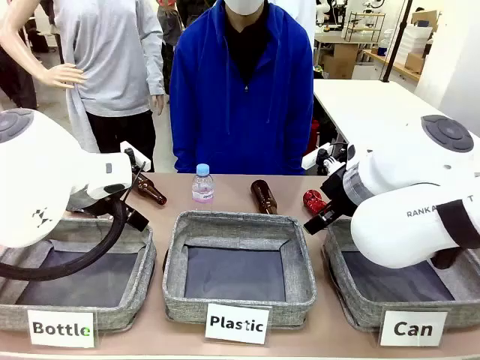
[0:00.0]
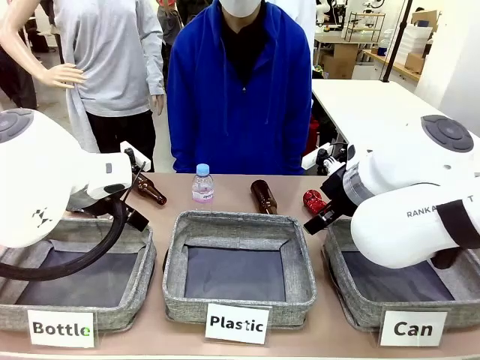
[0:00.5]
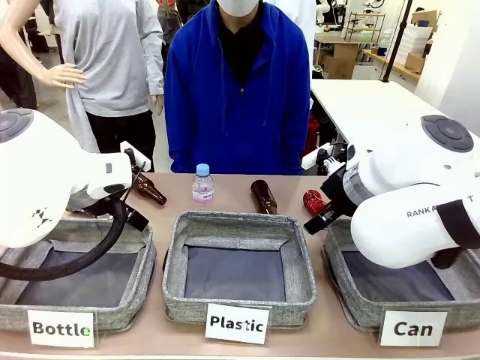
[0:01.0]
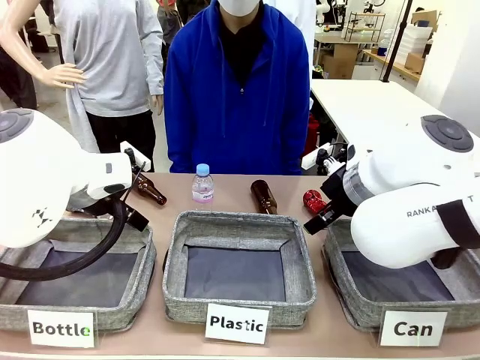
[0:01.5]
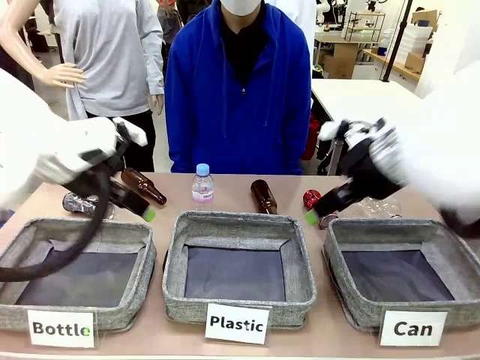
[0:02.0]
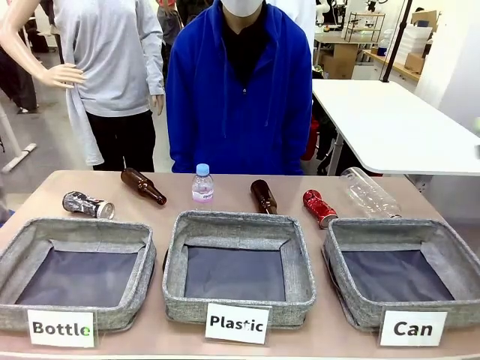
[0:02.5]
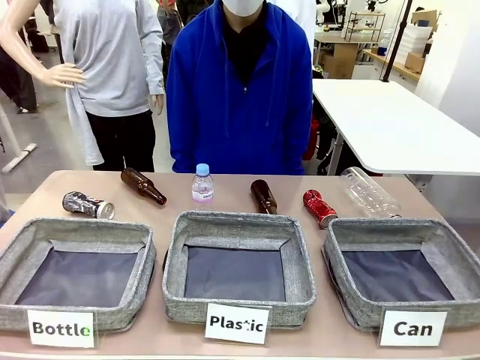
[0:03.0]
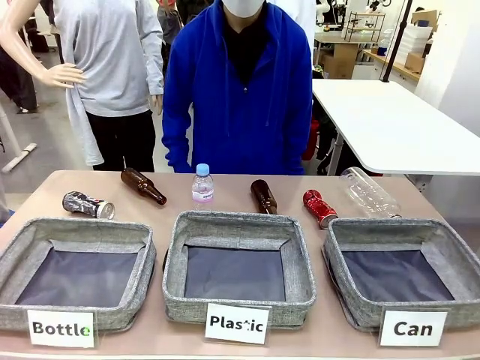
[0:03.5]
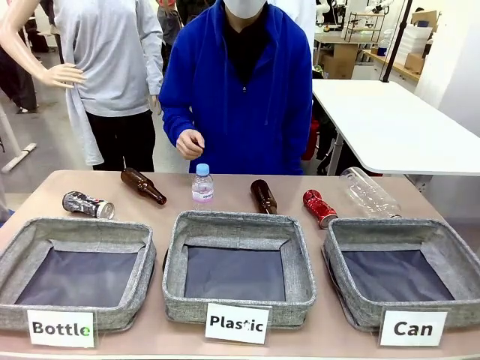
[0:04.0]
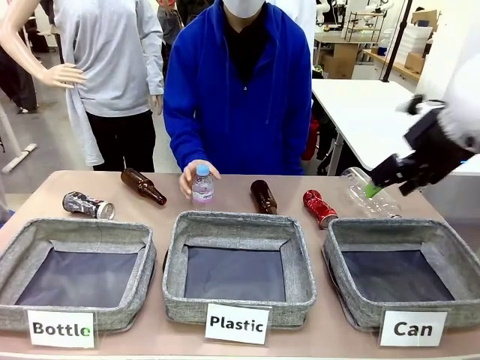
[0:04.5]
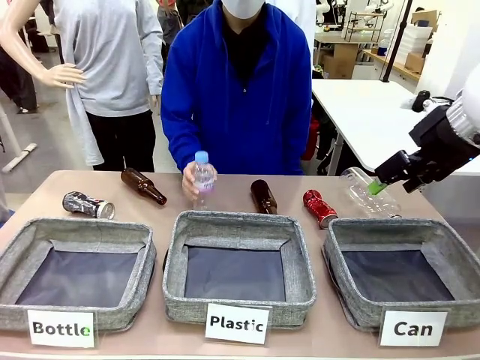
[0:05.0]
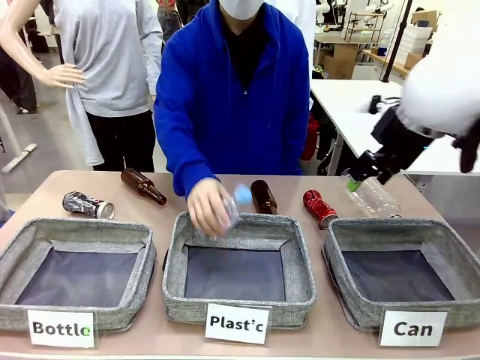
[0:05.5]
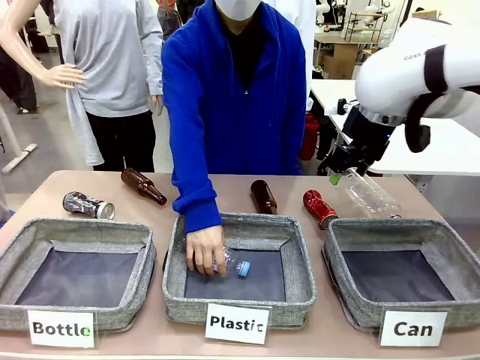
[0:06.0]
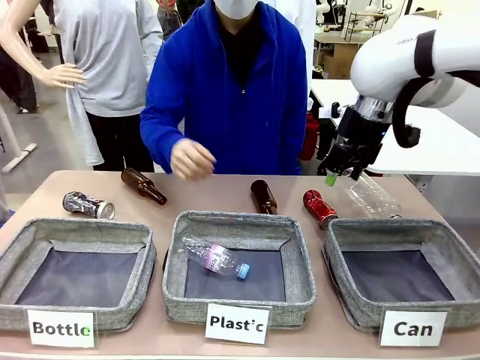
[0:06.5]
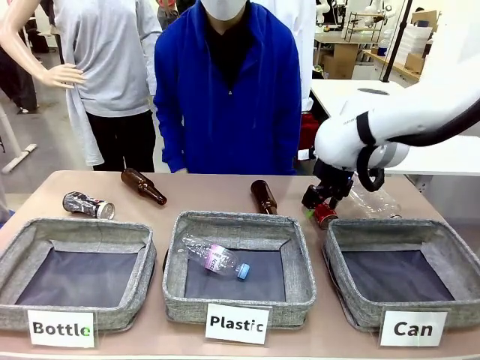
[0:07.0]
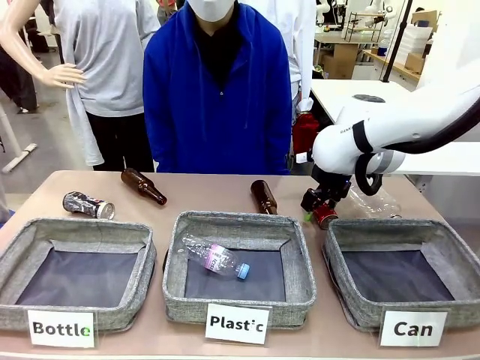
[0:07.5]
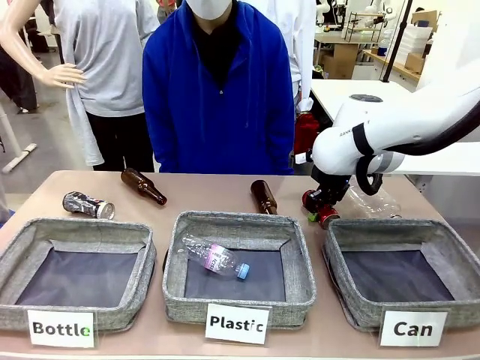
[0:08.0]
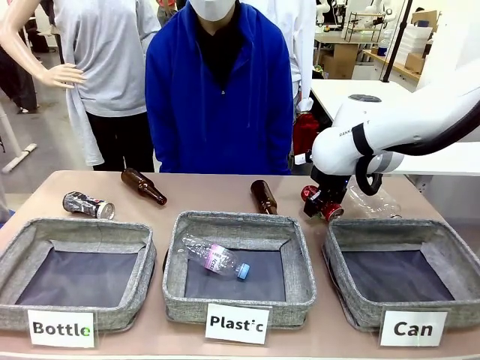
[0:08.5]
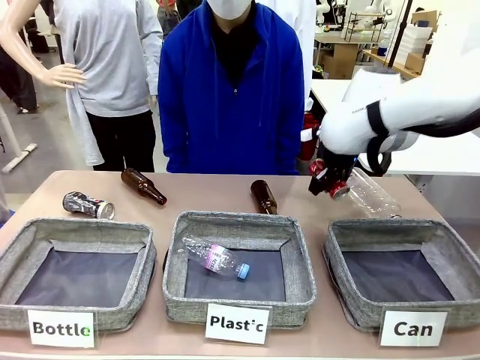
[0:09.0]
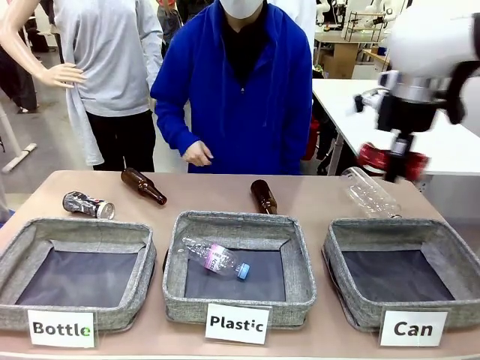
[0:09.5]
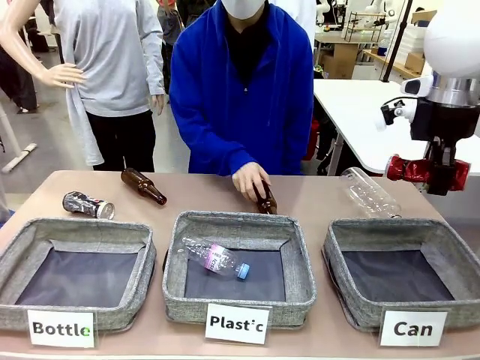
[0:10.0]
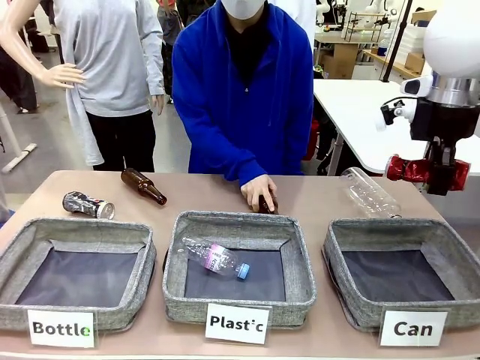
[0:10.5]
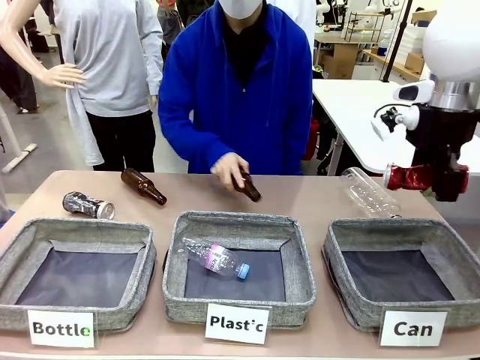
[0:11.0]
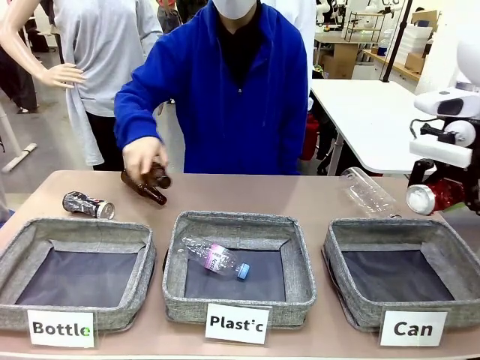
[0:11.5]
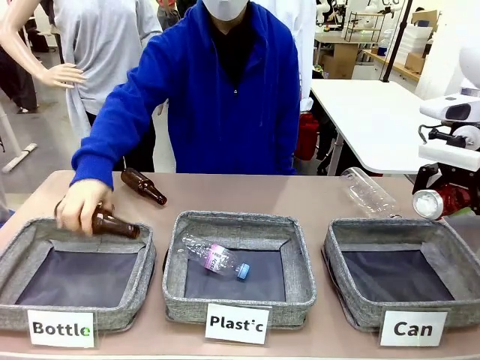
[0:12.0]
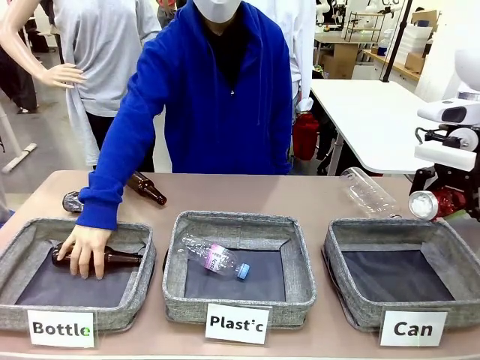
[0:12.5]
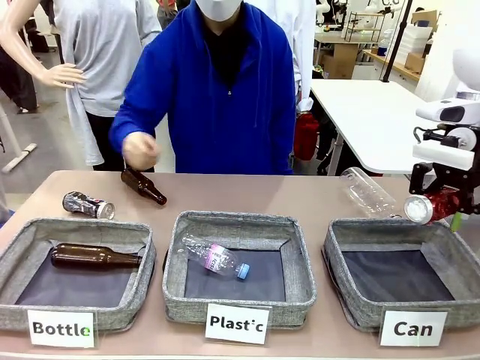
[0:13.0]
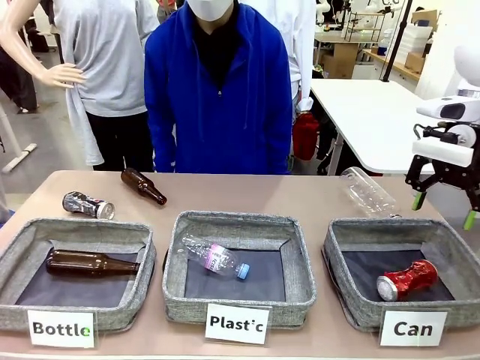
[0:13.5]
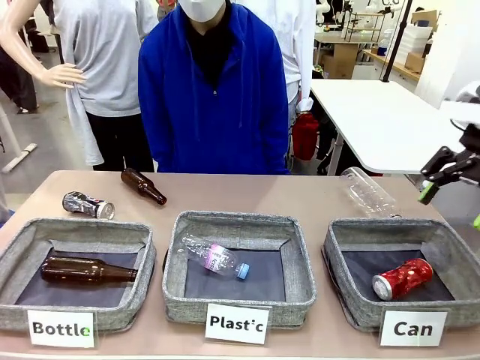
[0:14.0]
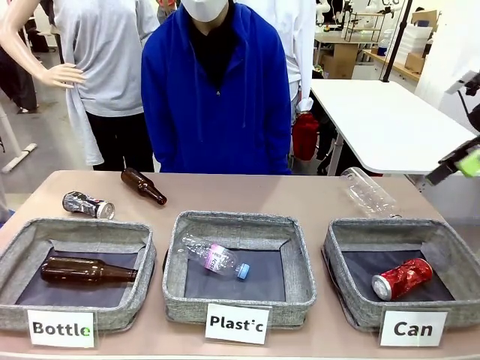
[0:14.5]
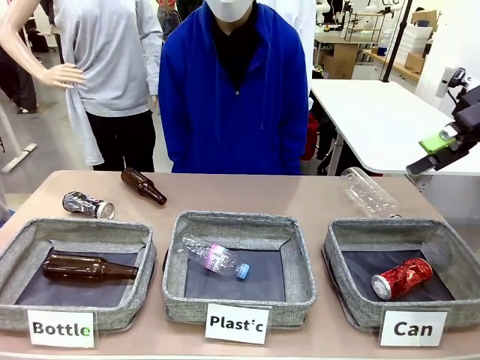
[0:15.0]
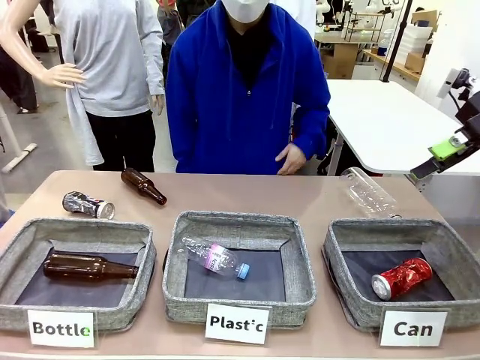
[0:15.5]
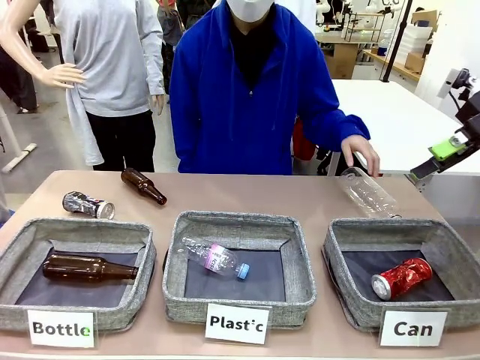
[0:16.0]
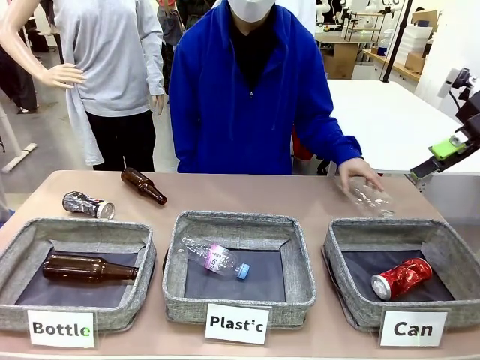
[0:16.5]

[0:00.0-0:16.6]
Task: Sort the can waste into the basket.
Robot: Pick up the can waste from the table and place it in the right Fabric basket.

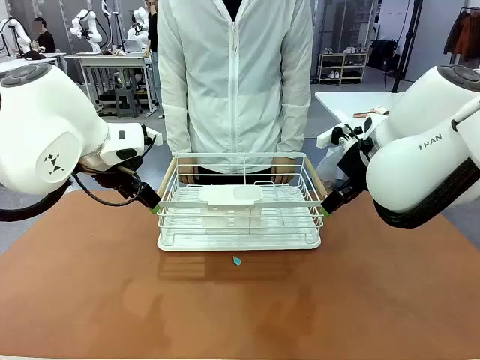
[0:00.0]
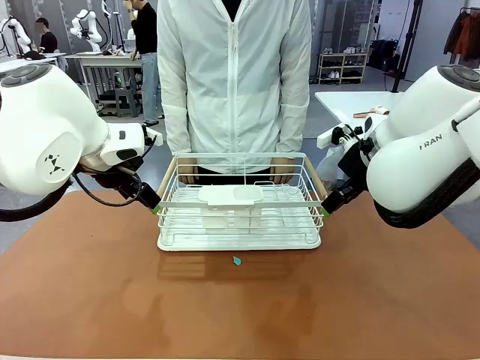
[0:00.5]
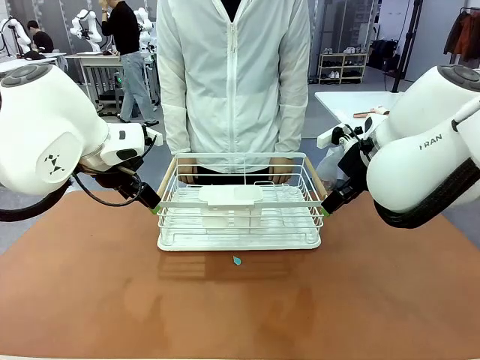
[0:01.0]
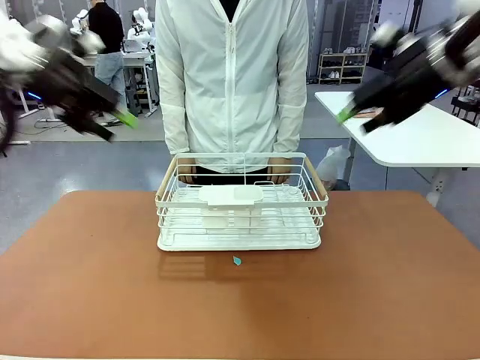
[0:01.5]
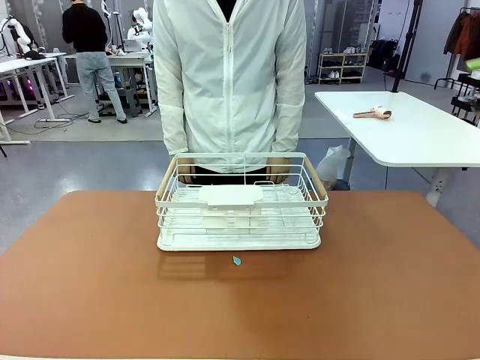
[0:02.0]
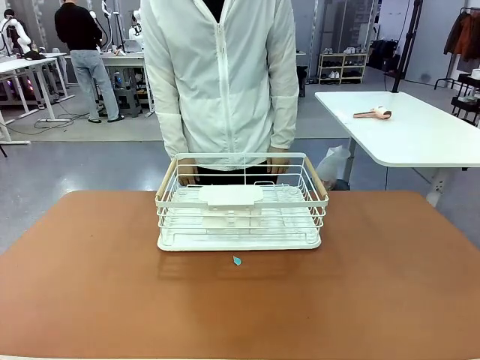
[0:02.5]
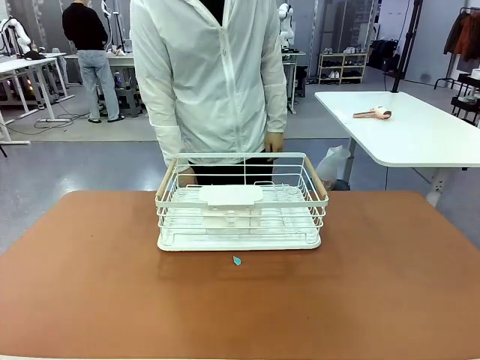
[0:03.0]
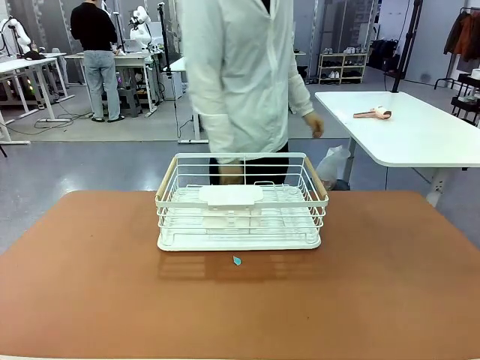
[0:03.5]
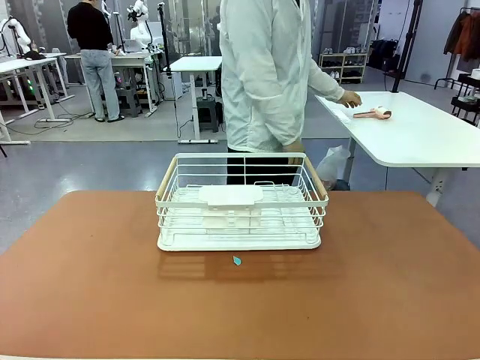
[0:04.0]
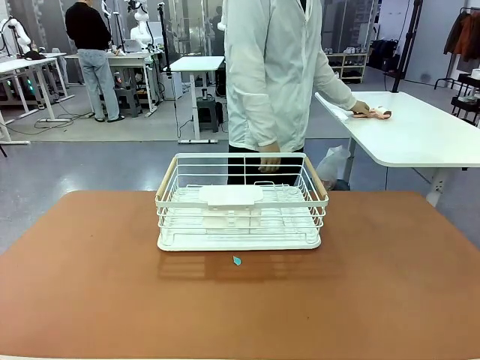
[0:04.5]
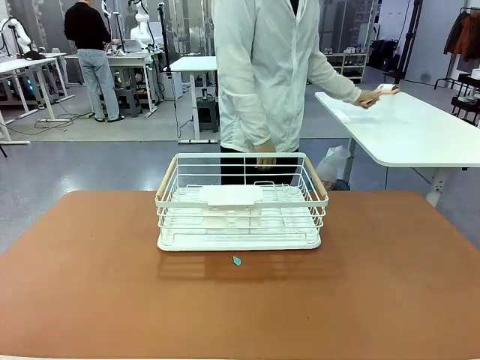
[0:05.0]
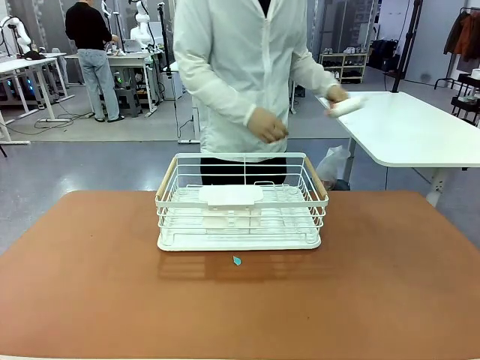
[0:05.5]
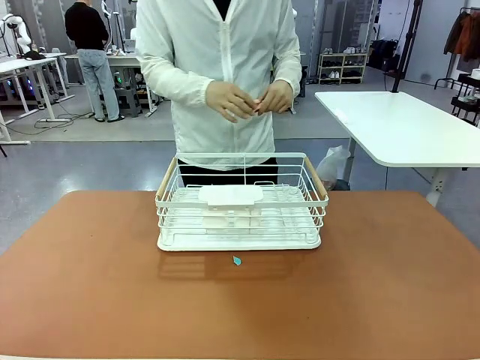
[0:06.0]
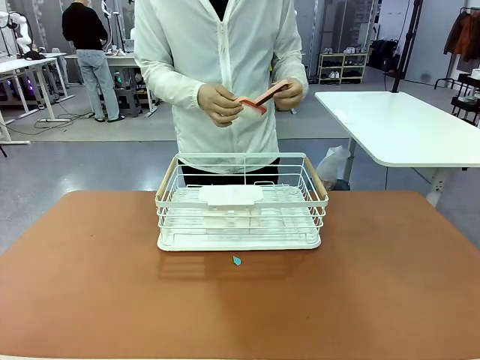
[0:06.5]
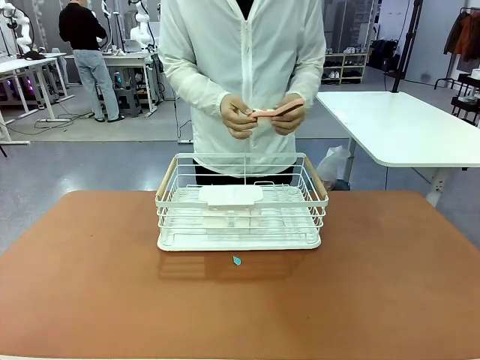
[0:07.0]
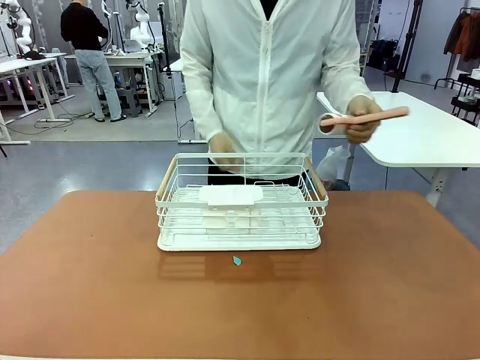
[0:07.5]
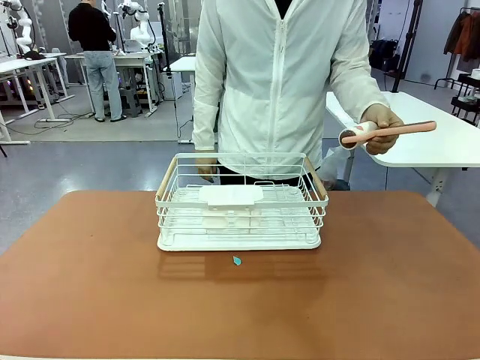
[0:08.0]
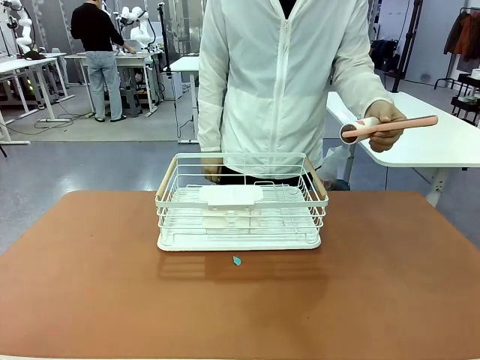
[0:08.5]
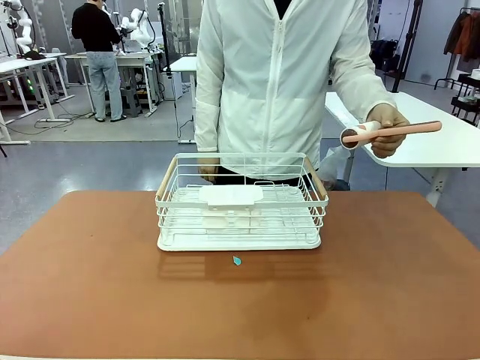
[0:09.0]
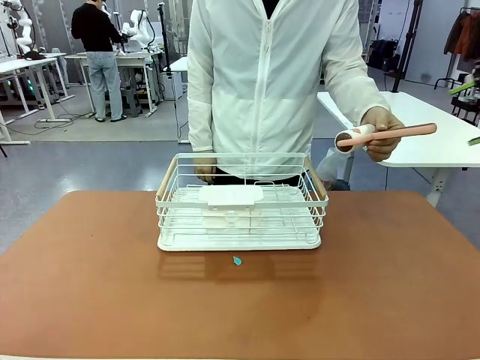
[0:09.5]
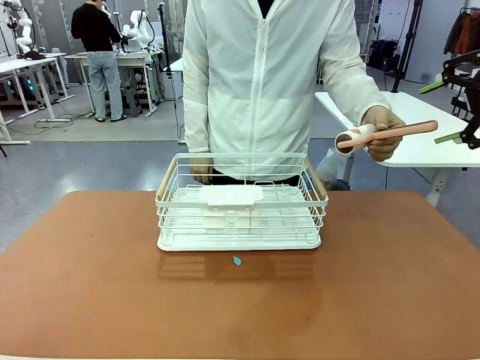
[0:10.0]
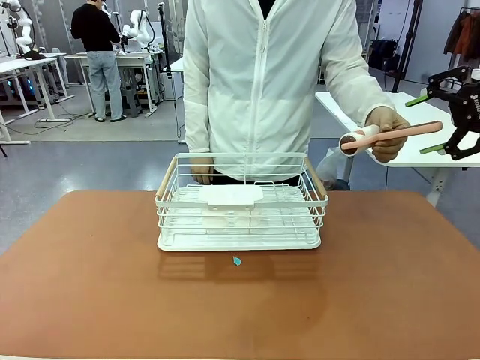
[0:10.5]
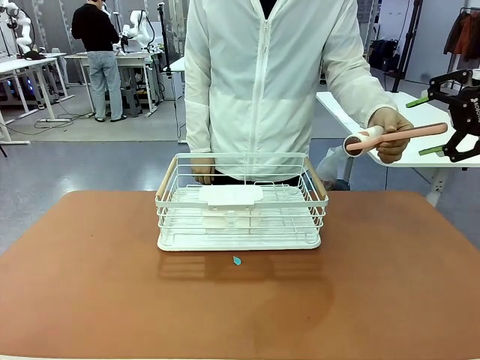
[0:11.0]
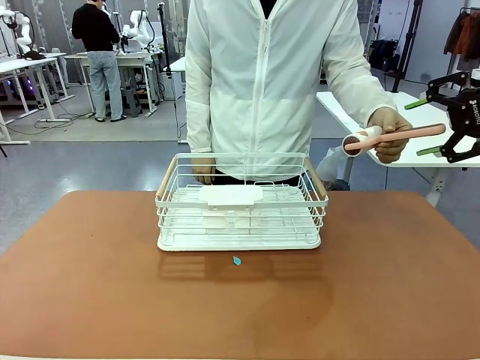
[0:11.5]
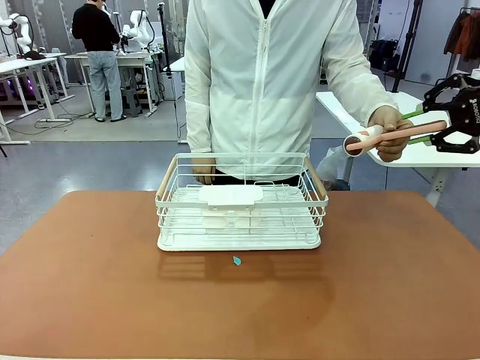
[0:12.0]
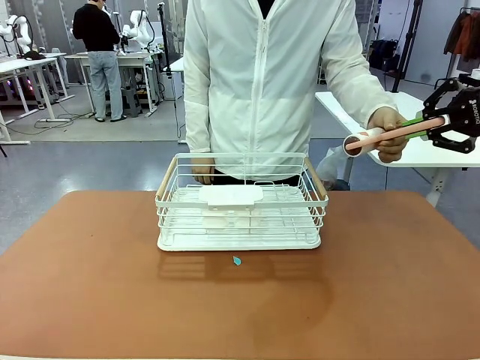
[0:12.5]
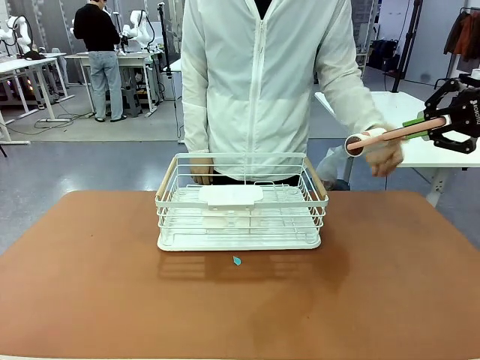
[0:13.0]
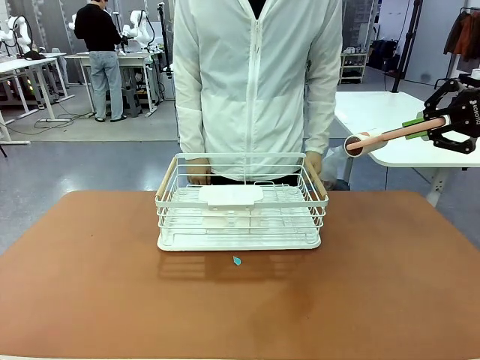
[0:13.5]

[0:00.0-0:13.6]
Task: Clean the table.
Robot: Pick up the Lint Roller when the human hands it over.
Person: Hand the Lint Roller to the robot so it can easily pick it up. Lift the Dish drying rack.
